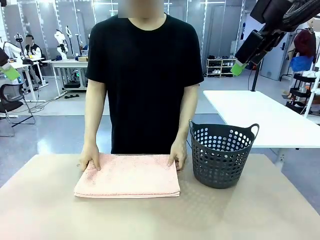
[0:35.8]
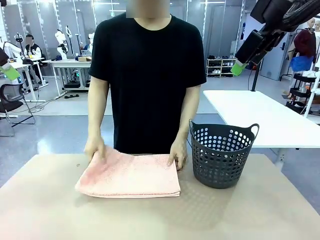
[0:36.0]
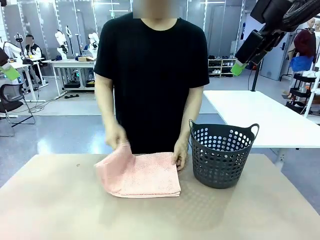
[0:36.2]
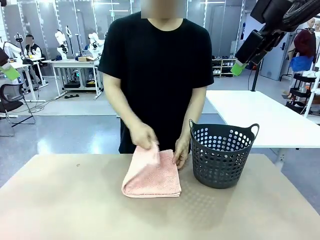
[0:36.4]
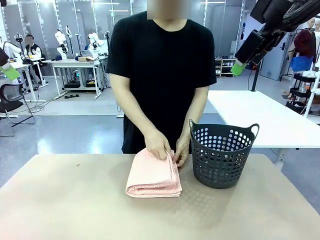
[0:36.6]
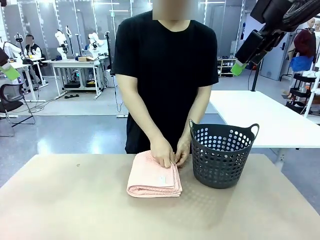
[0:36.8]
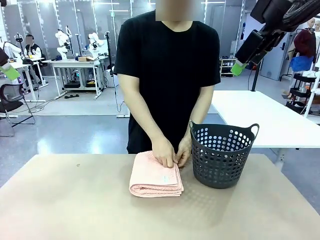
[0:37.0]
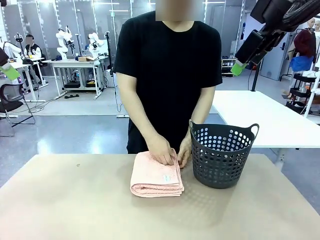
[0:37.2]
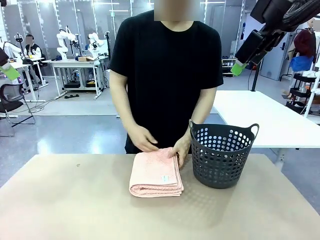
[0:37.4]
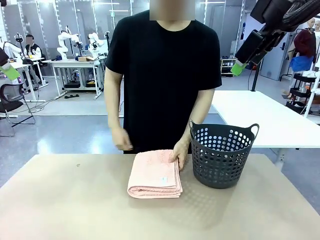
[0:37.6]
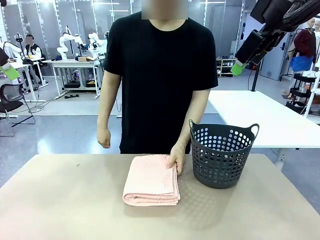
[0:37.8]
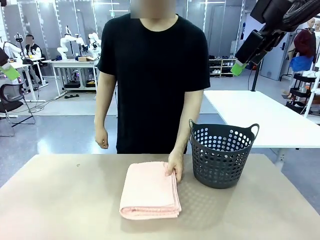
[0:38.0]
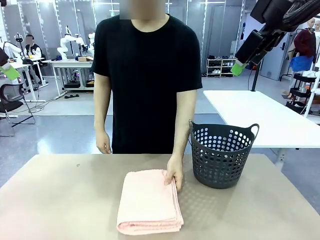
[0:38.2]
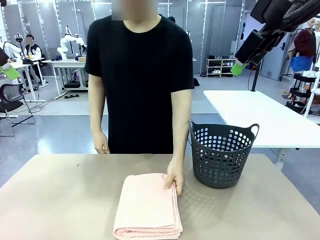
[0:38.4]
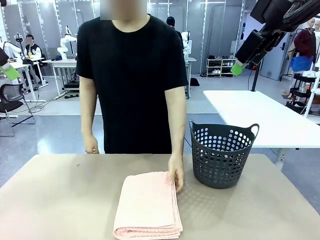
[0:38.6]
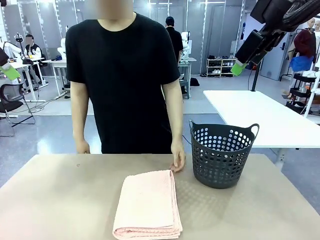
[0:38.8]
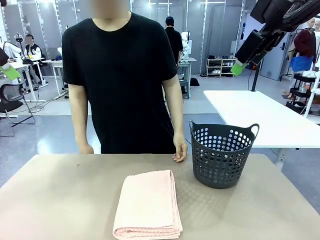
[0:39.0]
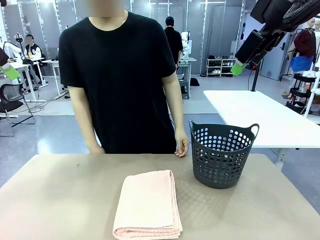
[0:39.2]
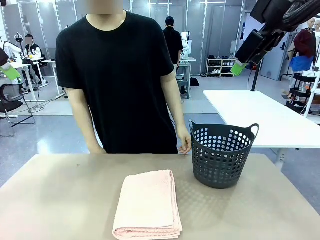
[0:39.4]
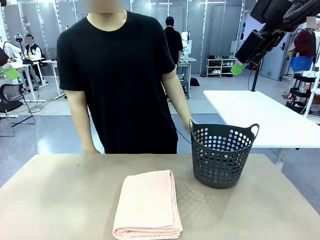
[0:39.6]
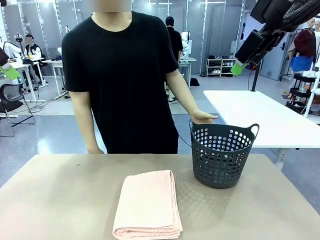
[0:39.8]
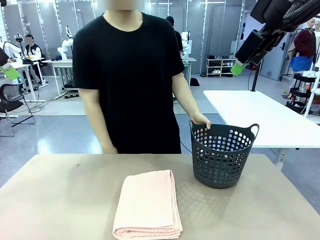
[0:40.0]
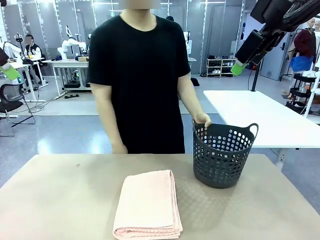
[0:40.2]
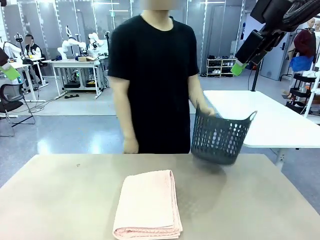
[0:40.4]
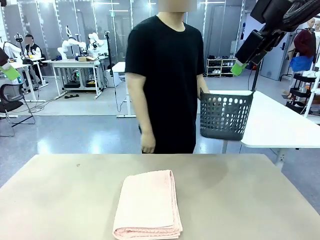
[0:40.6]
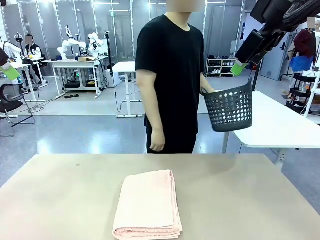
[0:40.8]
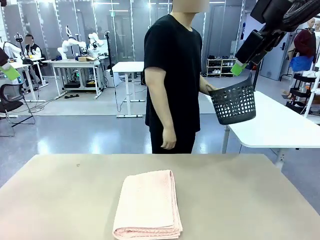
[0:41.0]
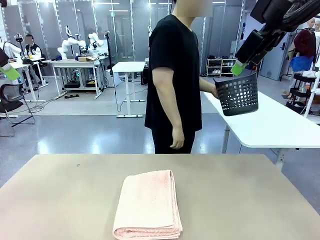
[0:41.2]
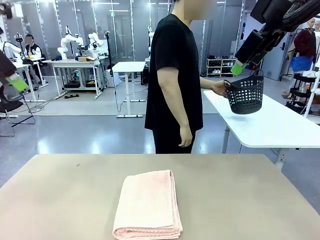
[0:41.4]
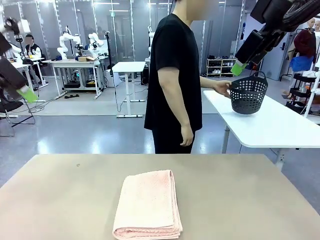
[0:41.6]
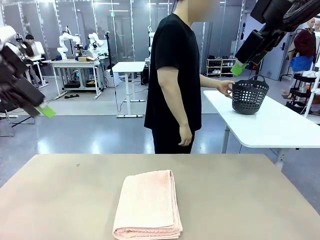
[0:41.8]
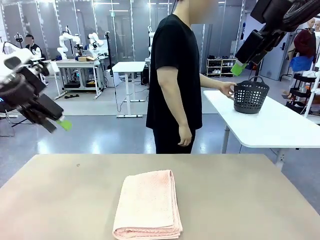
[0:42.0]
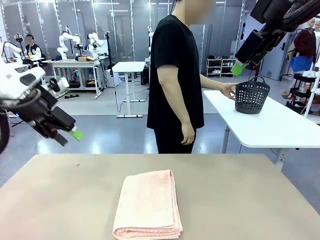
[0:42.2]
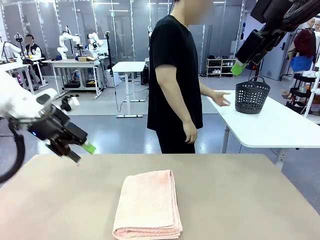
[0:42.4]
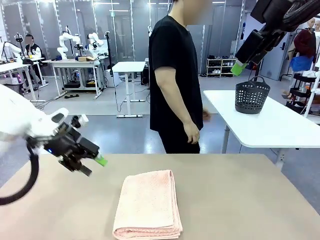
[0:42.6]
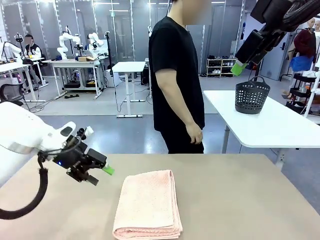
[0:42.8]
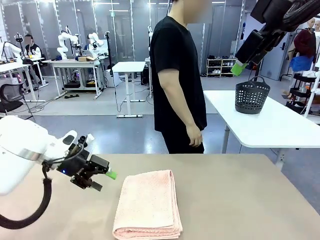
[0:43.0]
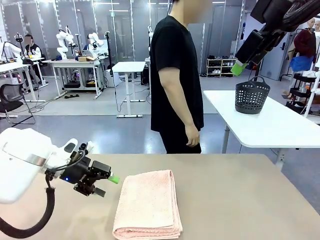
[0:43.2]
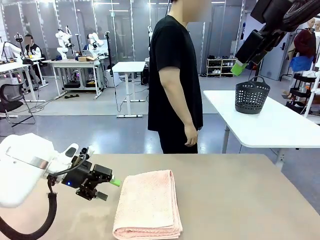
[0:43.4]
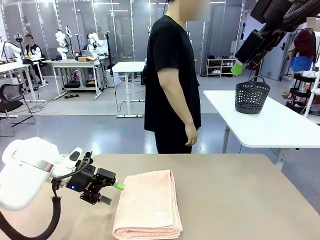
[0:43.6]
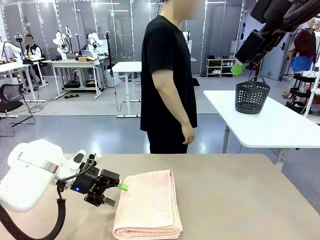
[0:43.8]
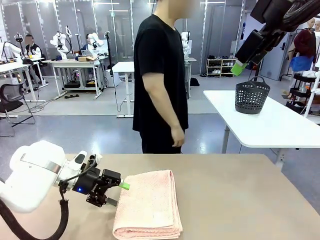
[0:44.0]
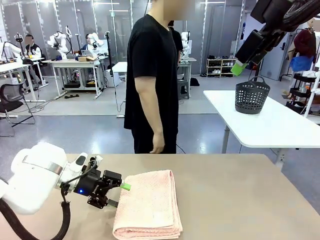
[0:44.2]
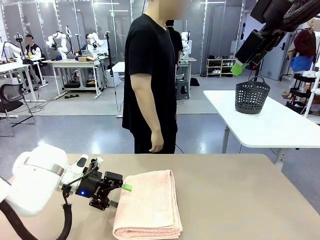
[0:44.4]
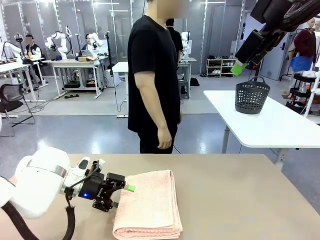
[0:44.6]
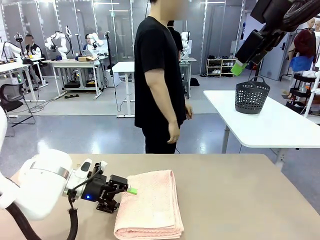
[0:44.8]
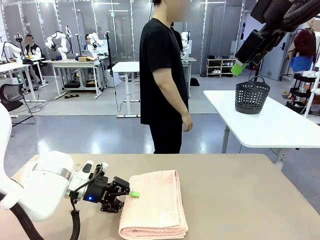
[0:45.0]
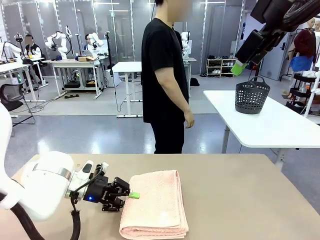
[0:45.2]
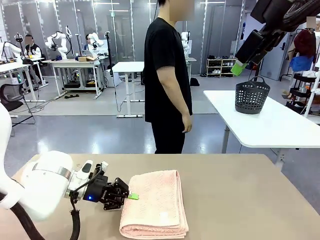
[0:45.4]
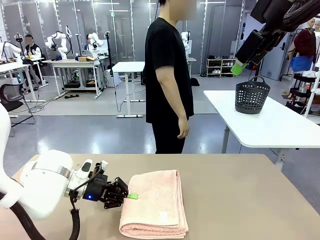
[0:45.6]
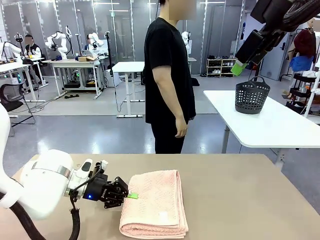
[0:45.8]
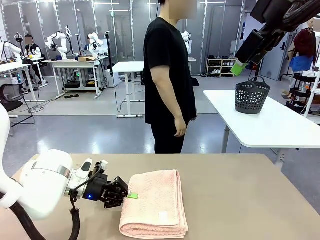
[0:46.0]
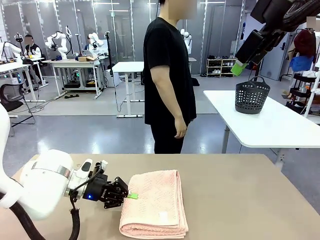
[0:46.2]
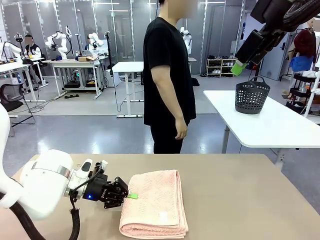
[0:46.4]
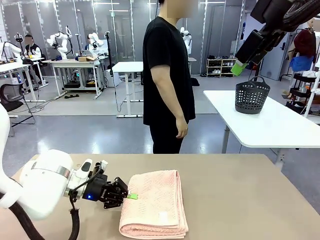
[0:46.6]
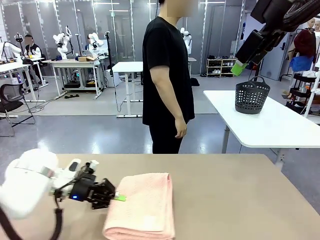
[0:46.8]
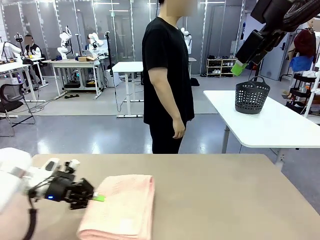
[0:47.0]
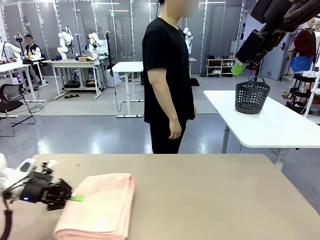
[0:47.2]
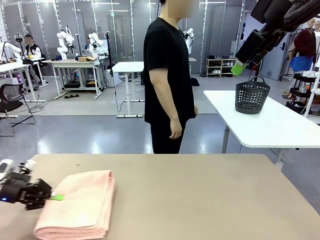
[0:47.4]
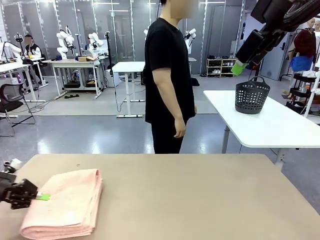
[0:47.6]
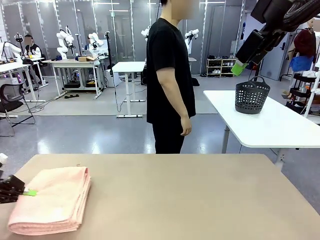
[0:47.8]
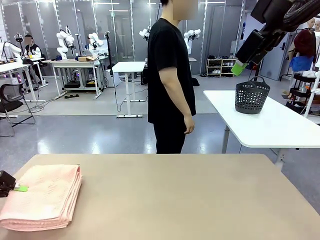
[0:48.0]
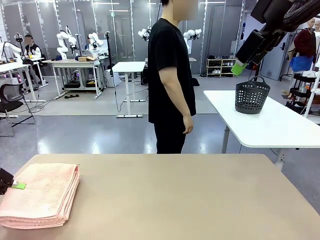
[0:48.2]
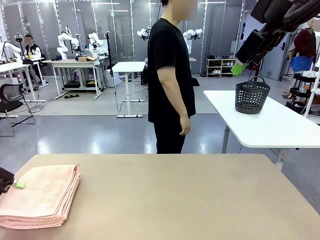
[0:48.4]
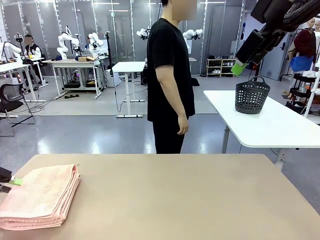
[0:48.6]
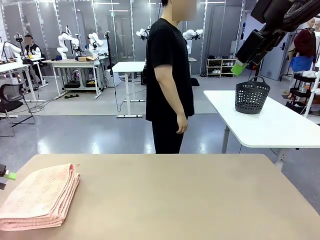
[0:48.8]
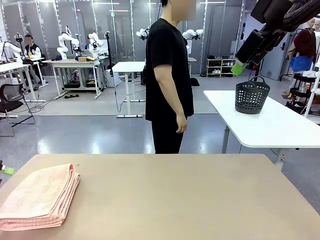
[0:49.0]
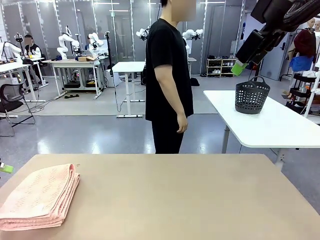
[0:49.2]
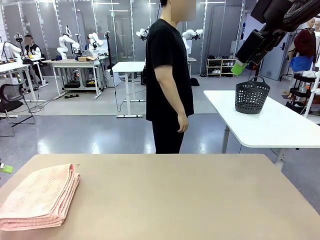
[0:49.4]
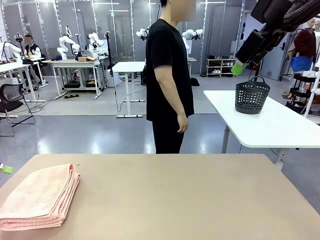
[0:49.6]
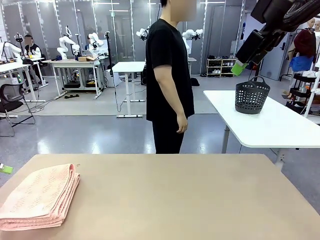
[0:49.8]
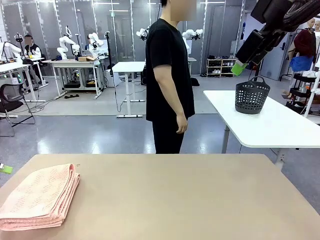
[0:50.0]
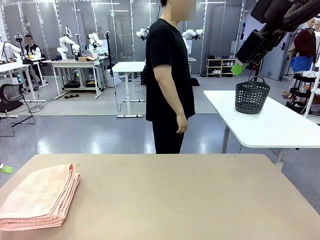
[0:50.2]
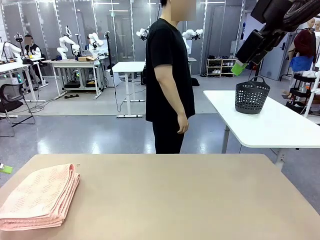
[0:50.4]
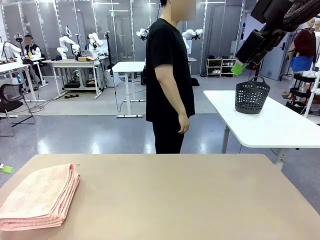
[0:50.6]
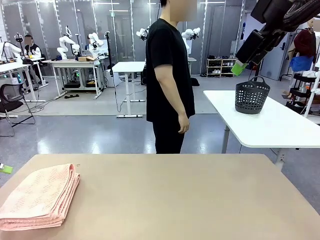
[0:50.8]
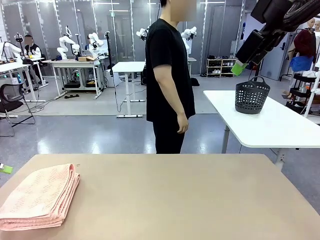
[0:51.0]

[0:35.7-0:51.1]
Task: Fold the towel.
Robot: Pick up the 100 cm Hotel Towel and place it on the left side of the table.
Person: Place the towel at the center of the robot table and fold it in half. Pick up the laundry basket and place it at the center of the human table.
